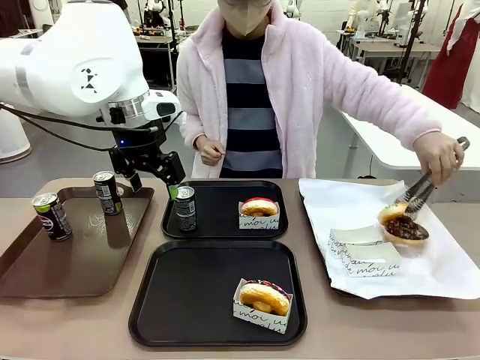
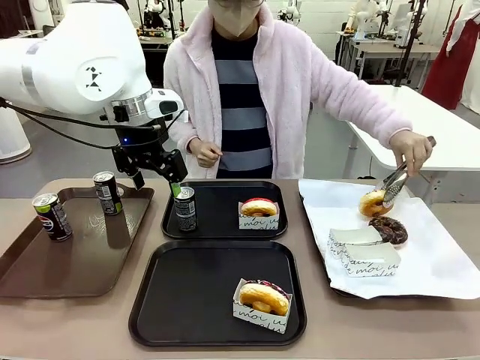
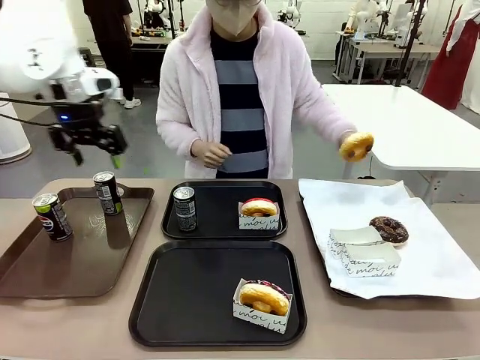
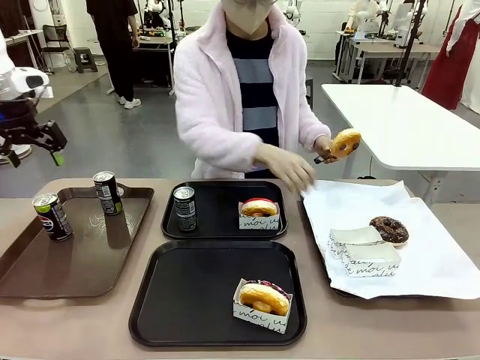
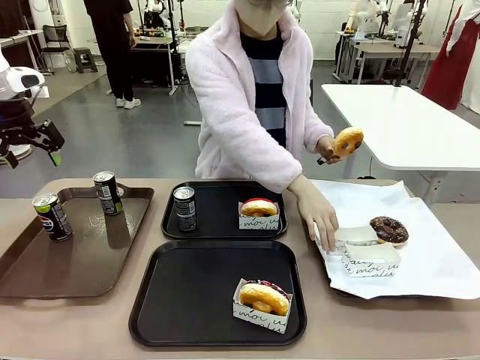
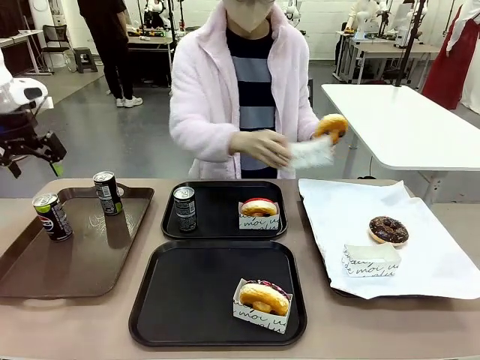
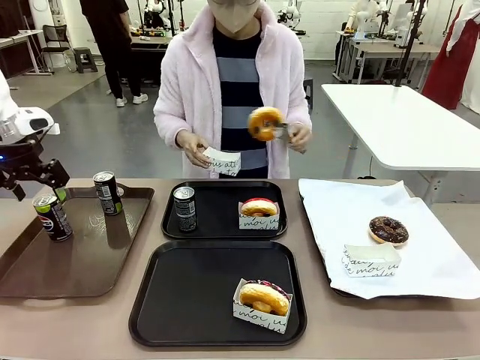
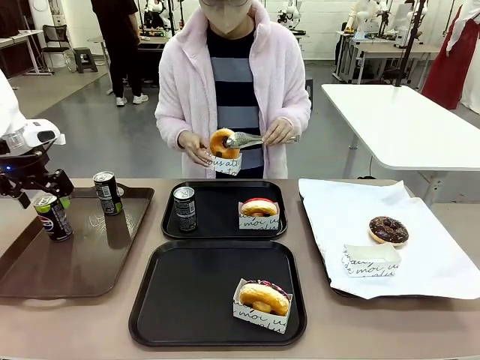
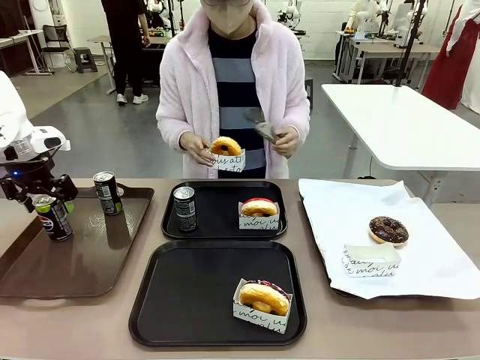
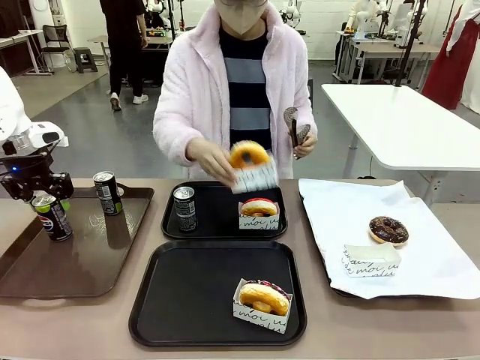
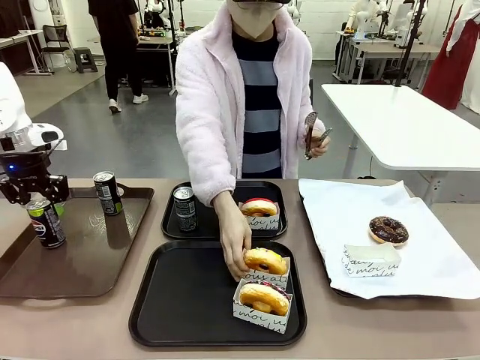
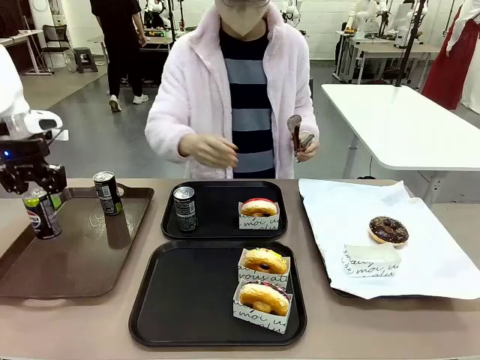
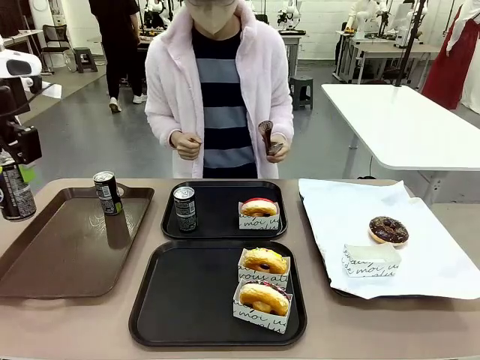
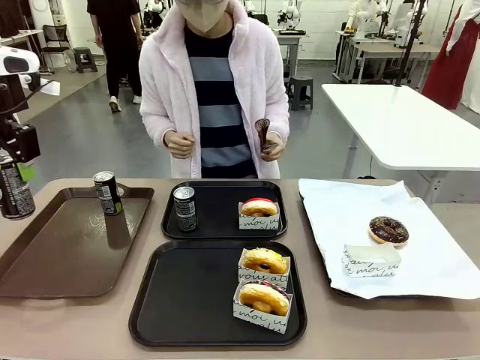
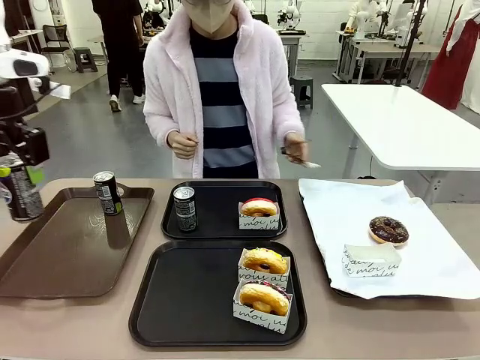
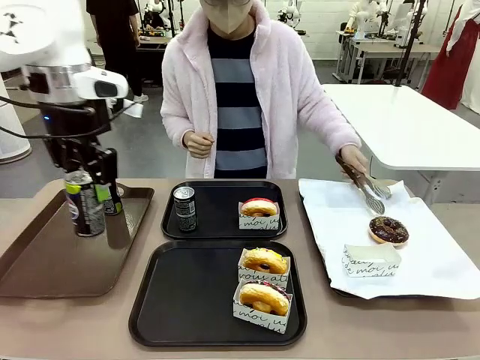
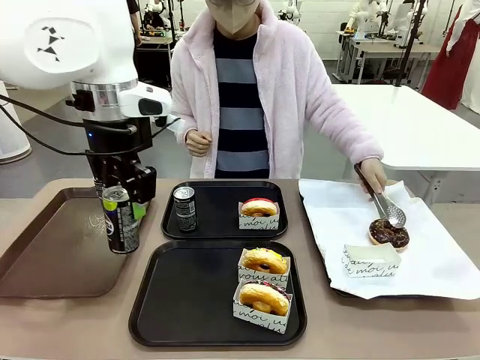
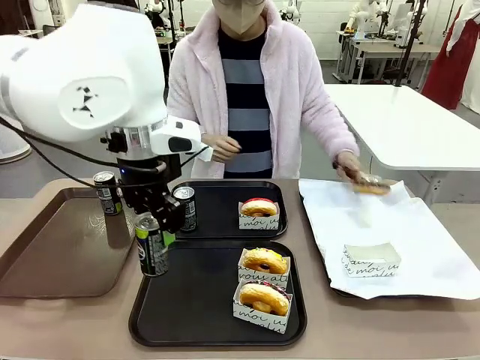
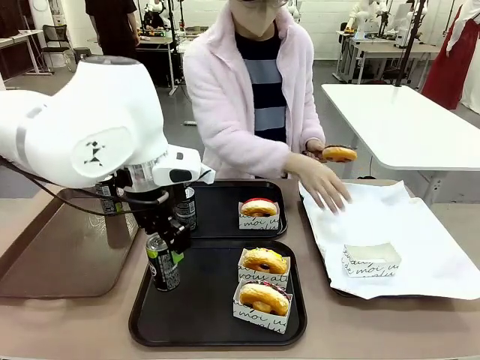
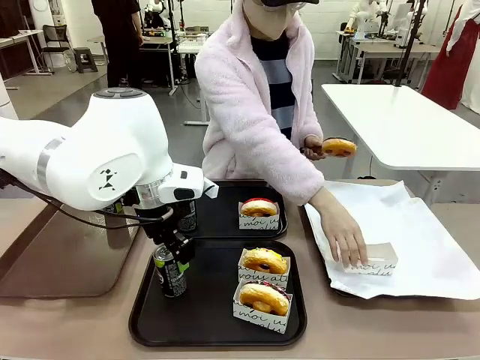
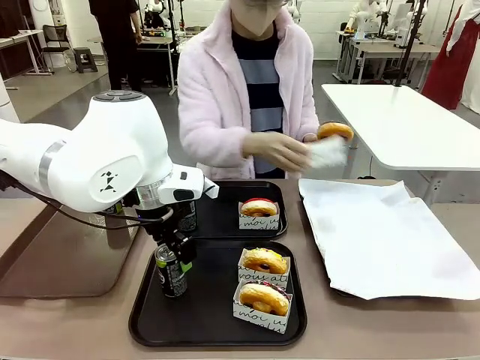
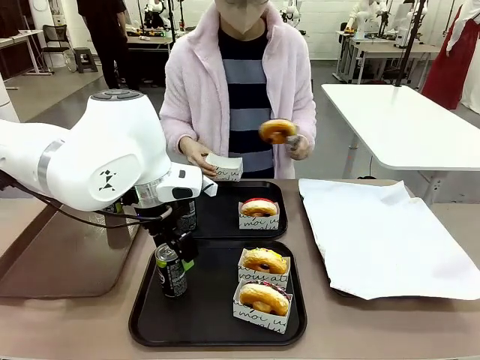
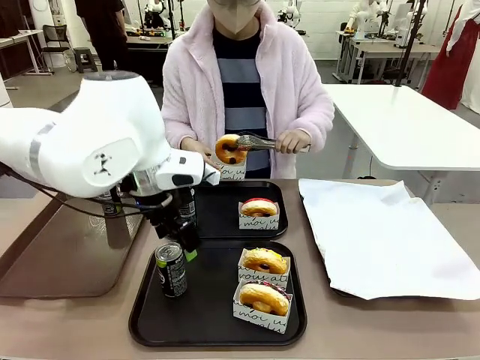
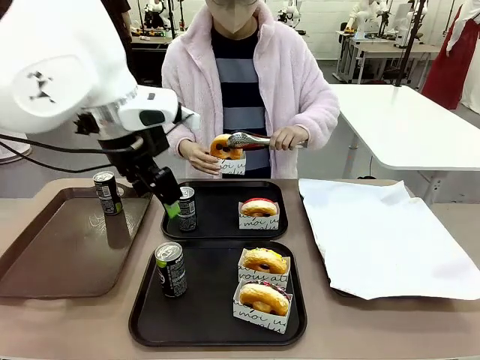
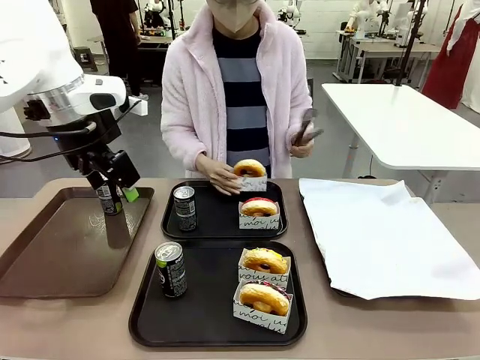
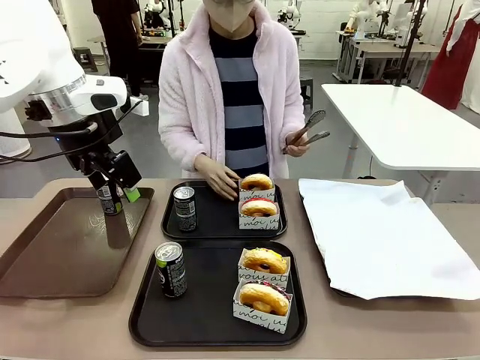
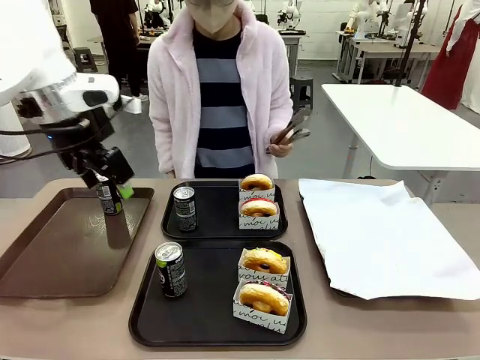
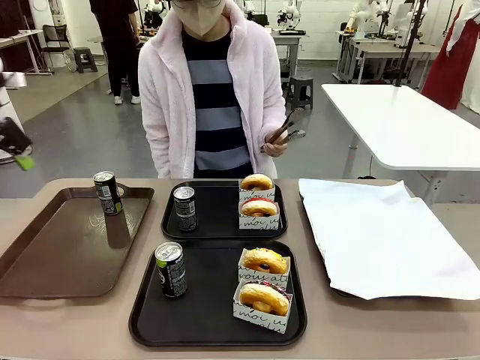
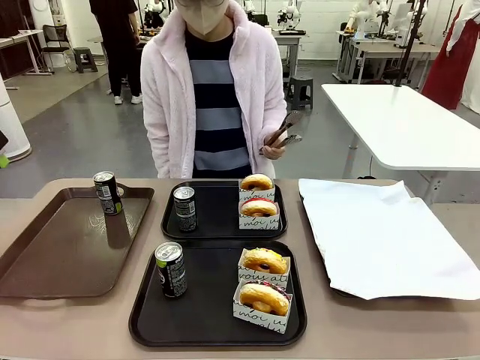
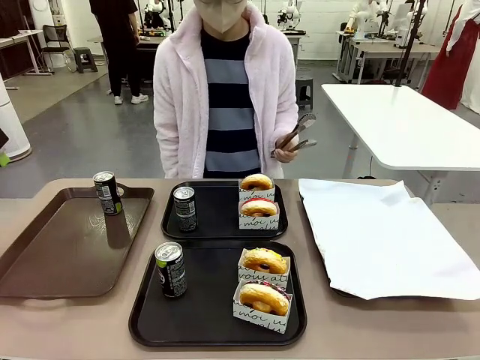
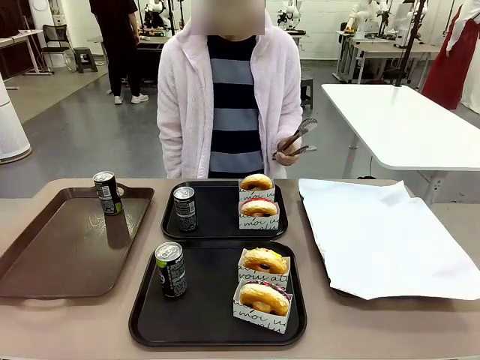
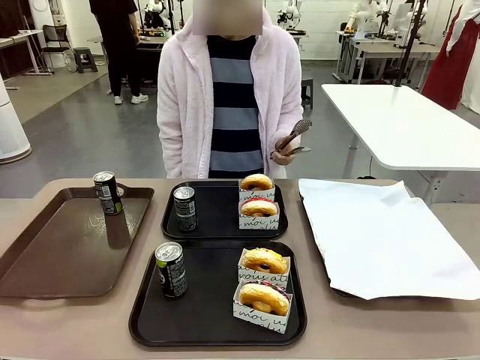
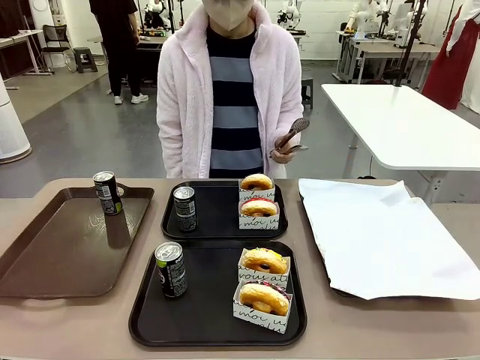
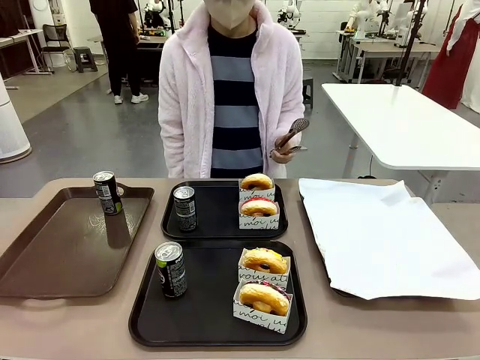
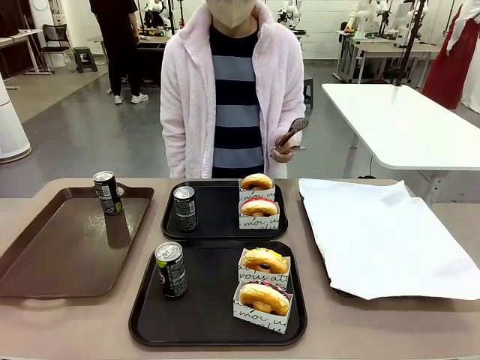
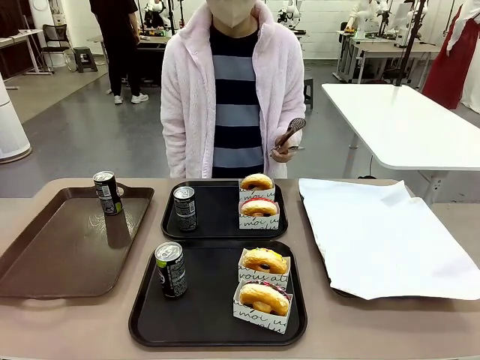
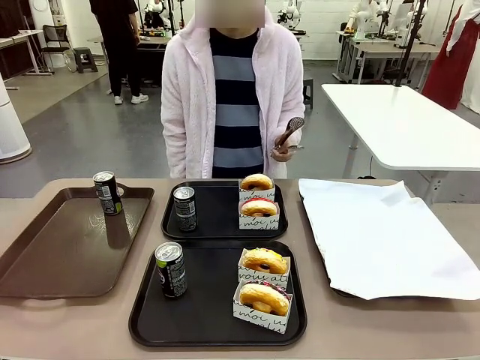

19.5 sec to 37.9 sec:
Task: Set up donuts and drinks on trays.
Robot: Pick up one Pepsi coke from the Handle tray and place it on the Flat Tray without a Pepsi coke.

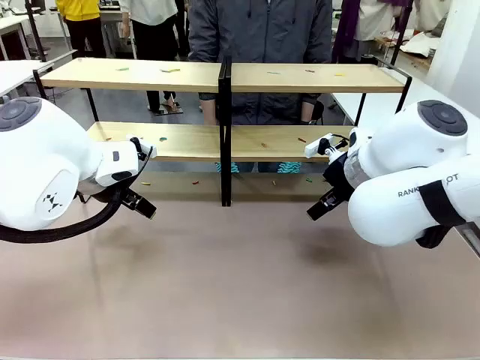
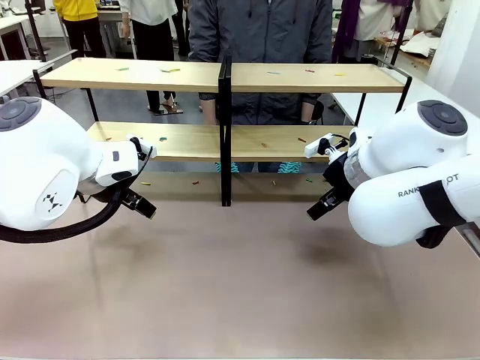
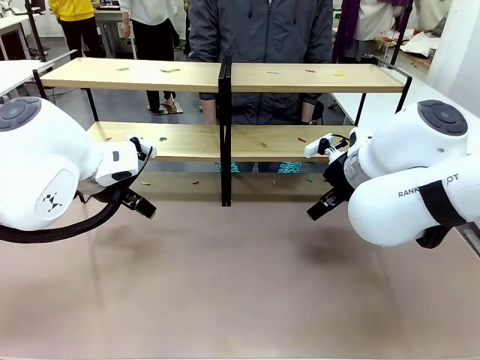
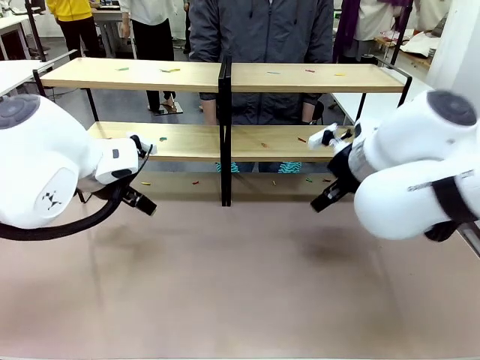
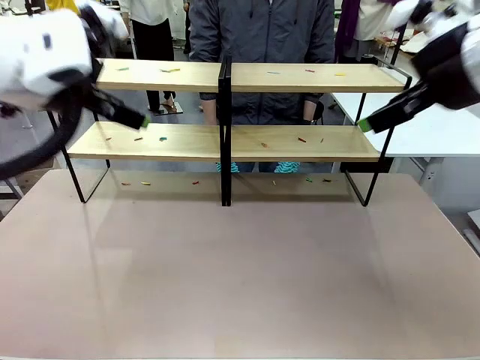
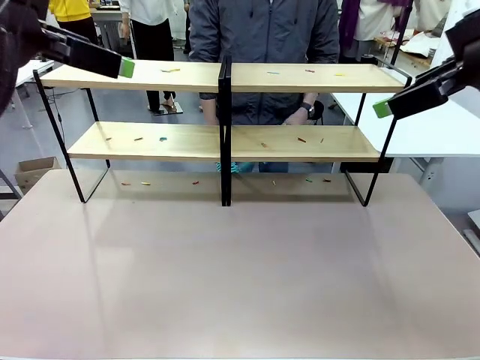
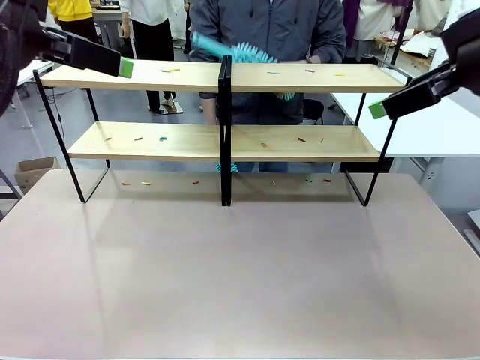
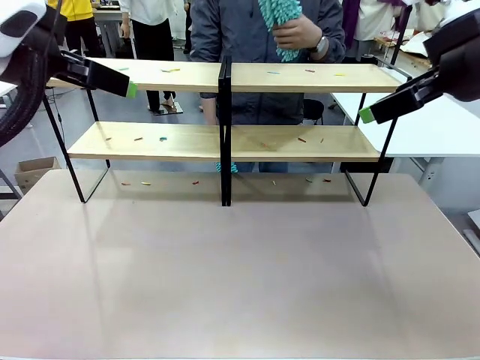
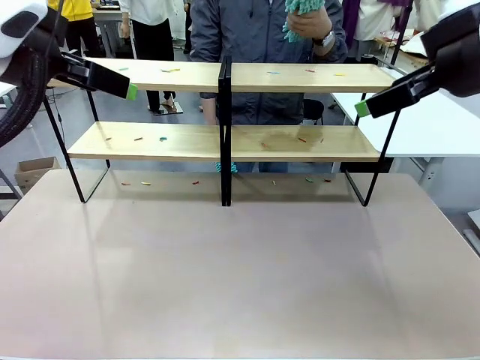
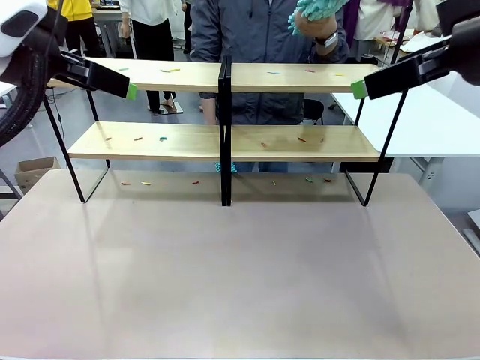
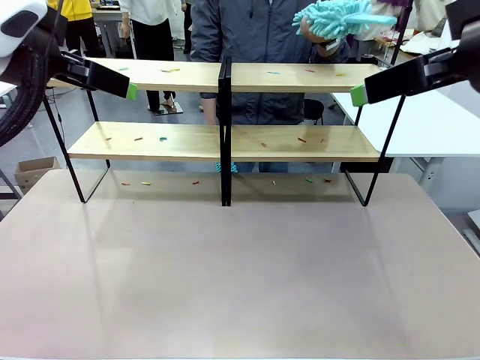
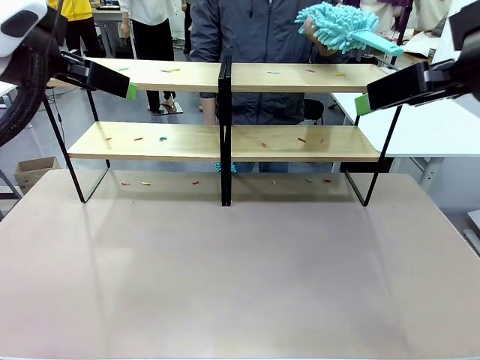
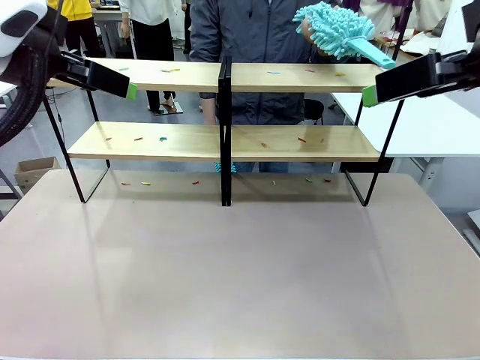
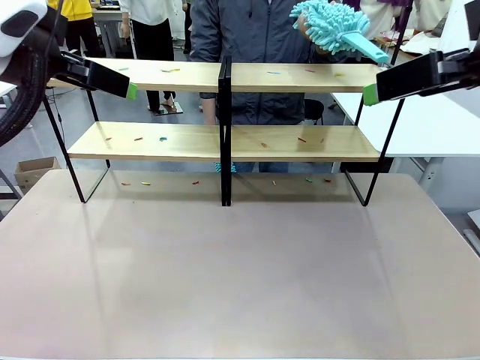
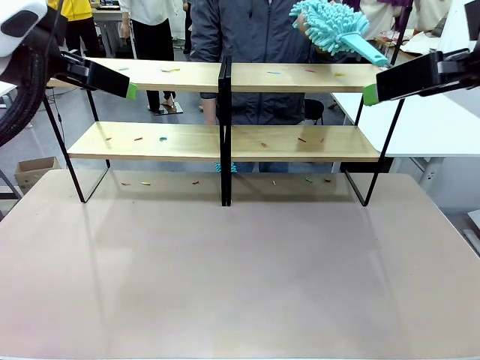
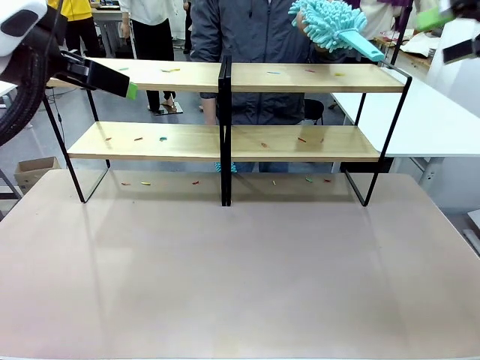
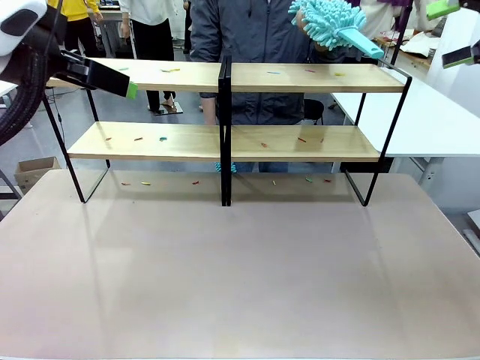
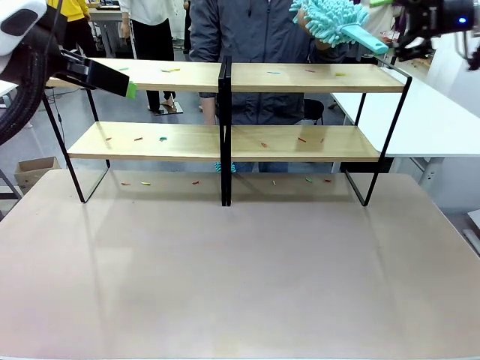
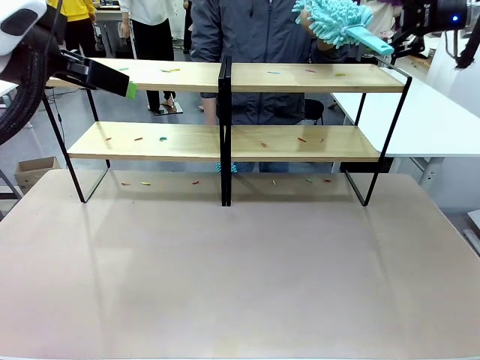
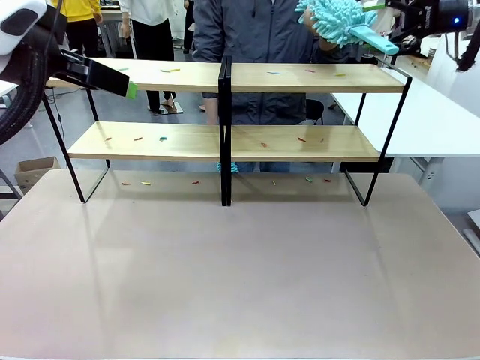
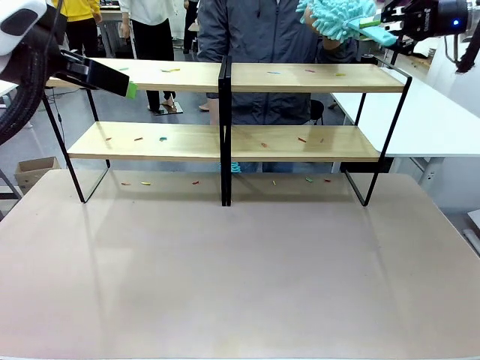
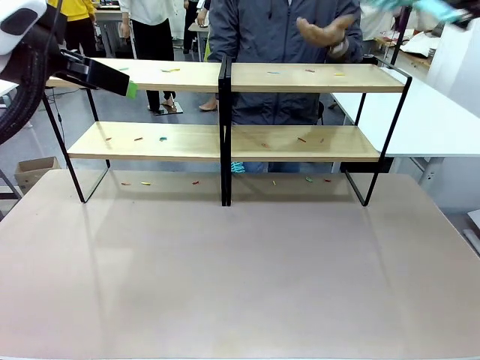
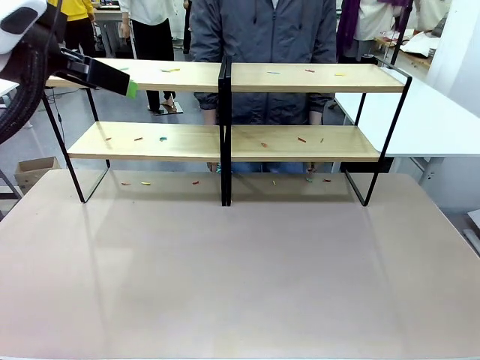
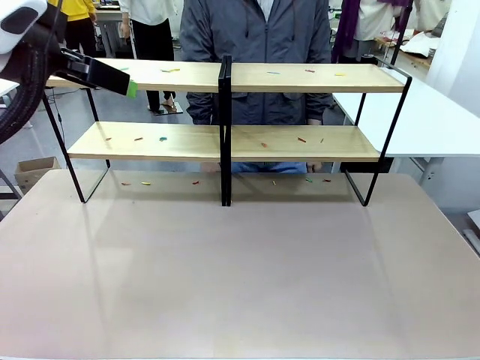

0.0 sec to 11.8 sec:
Task: Clean the shelves.
Robot: Pick up the Duster when the human hands it over.
Person: Hand the Duster to the robot with your right (or left) hand.
